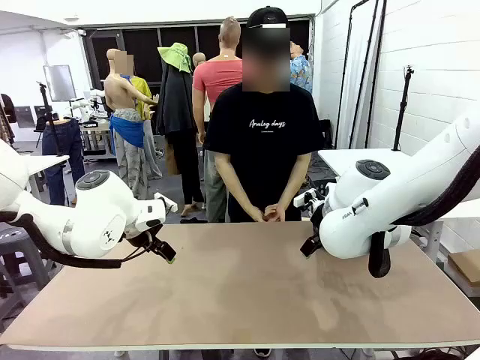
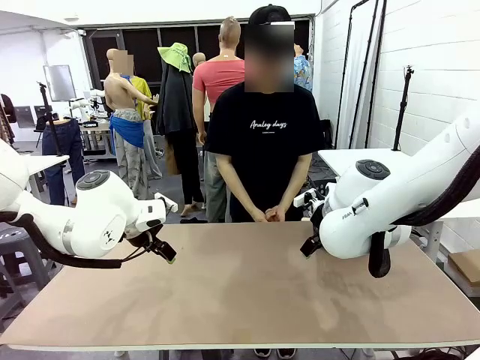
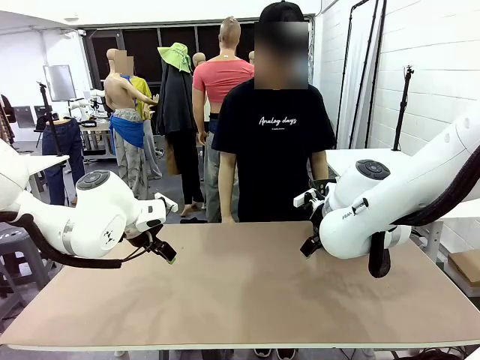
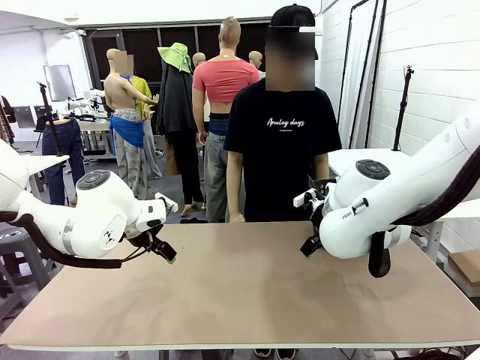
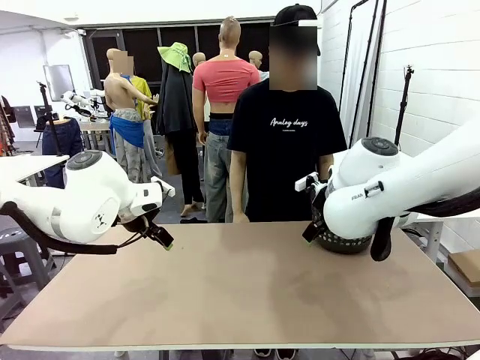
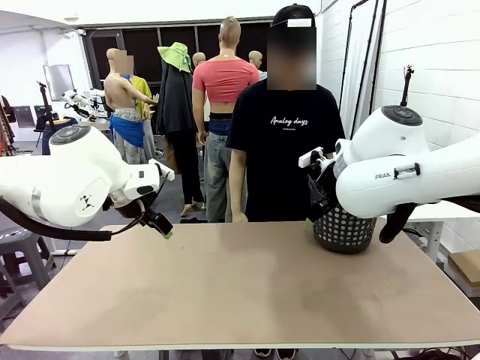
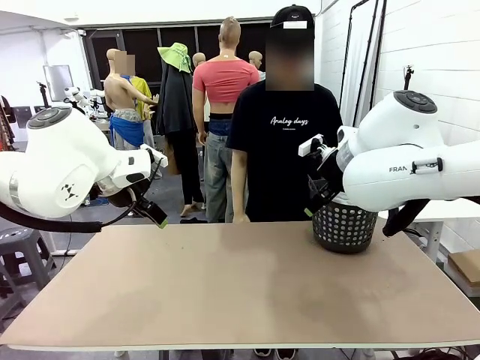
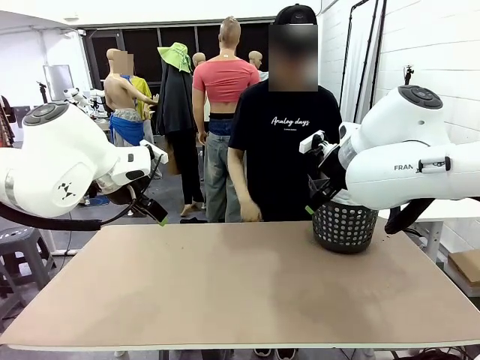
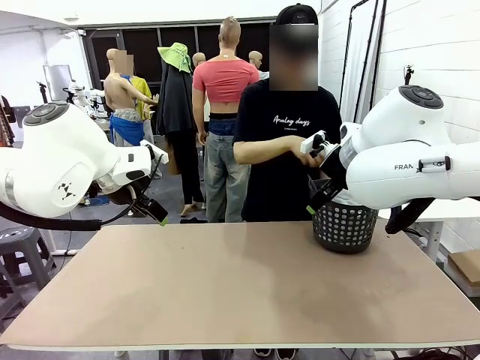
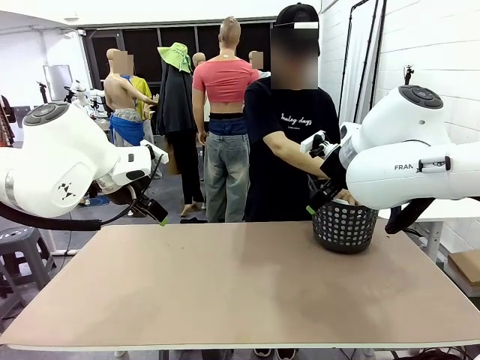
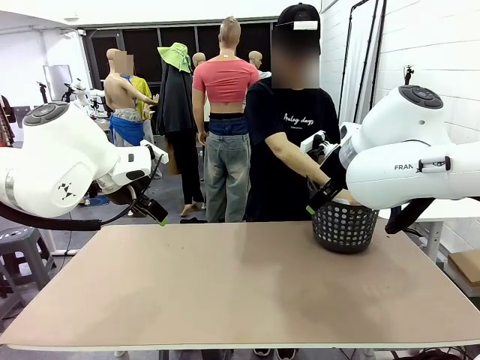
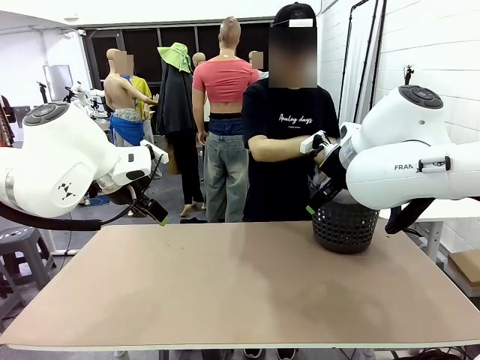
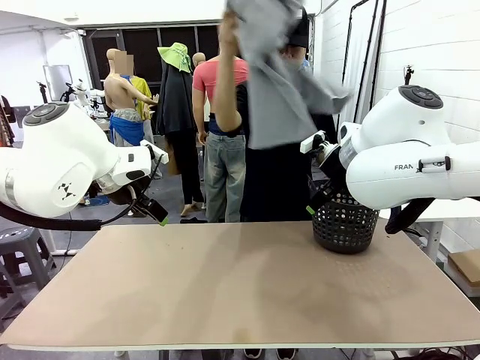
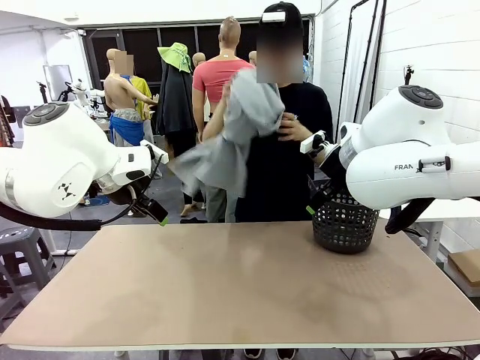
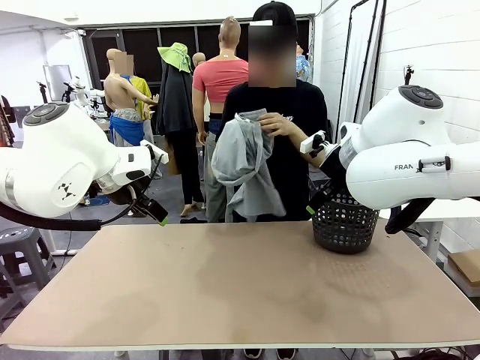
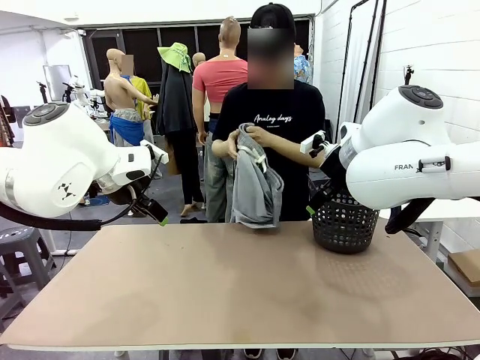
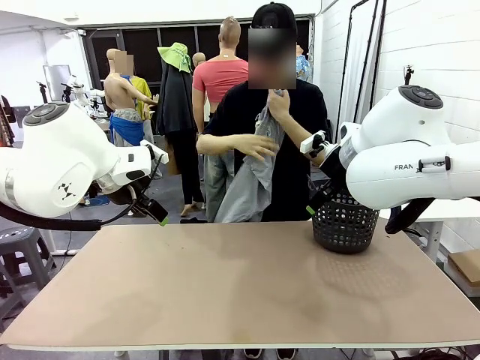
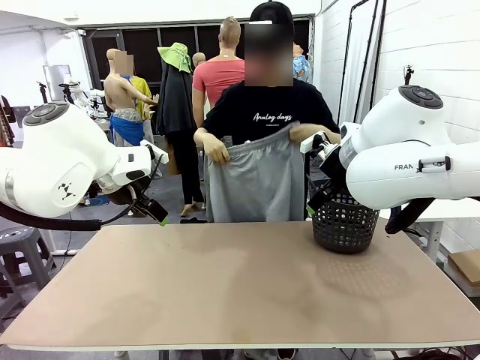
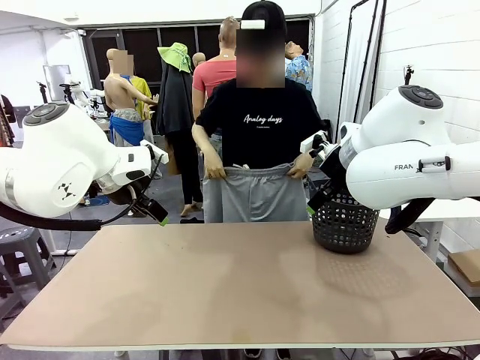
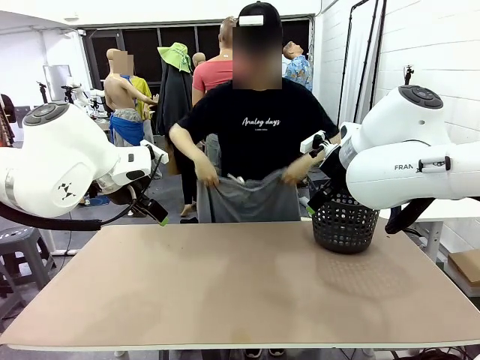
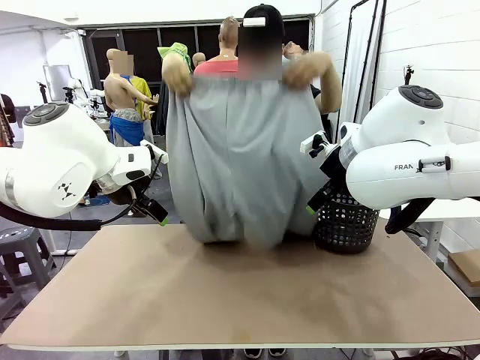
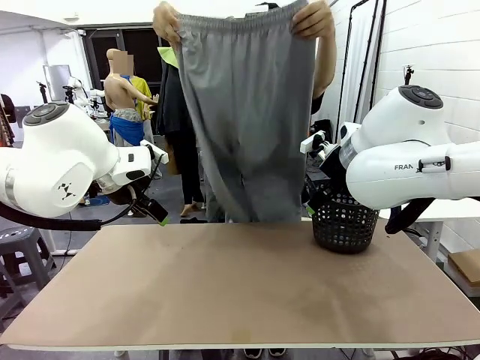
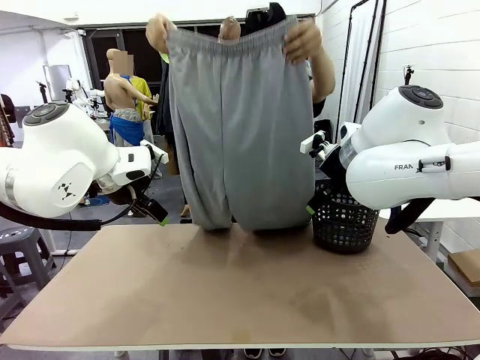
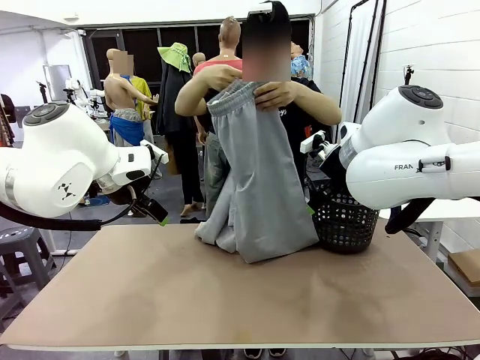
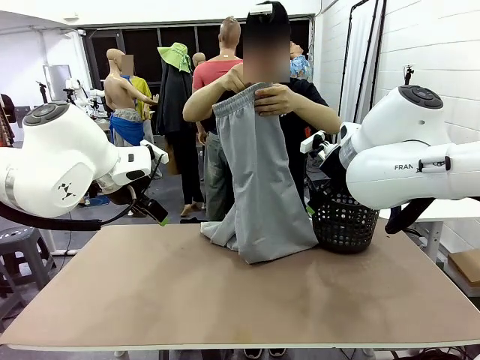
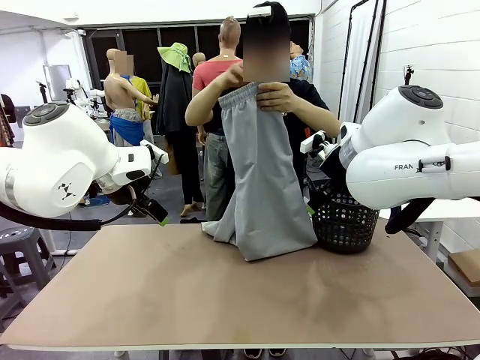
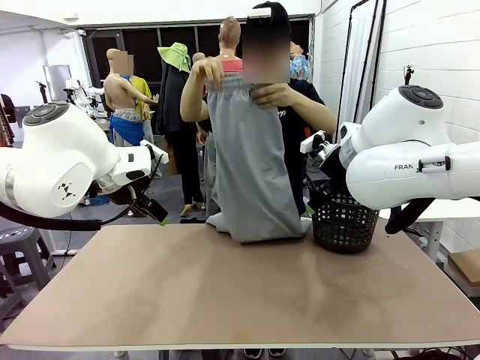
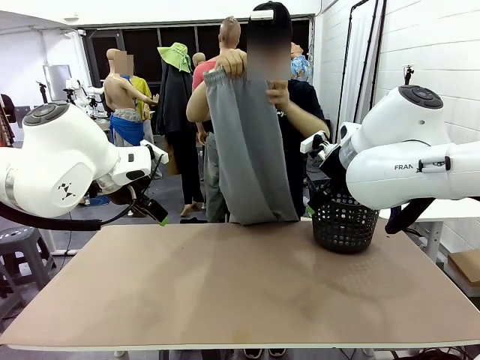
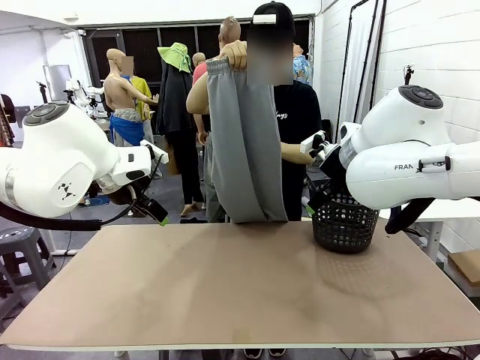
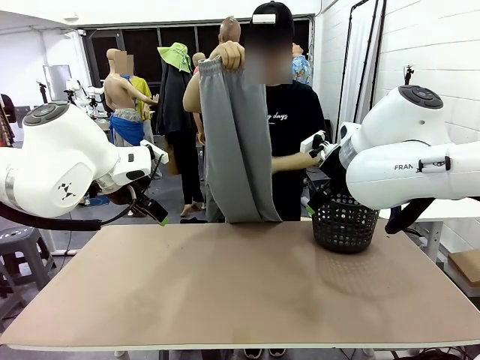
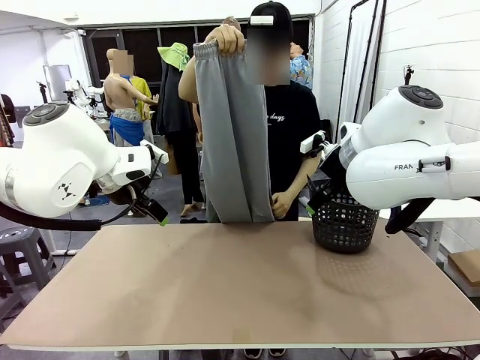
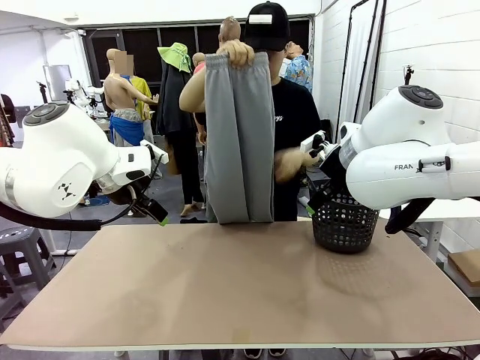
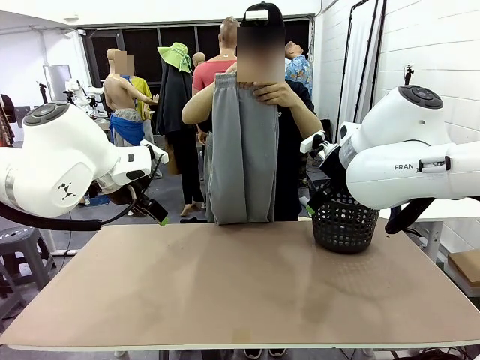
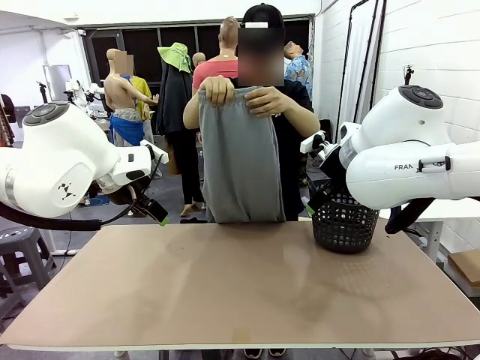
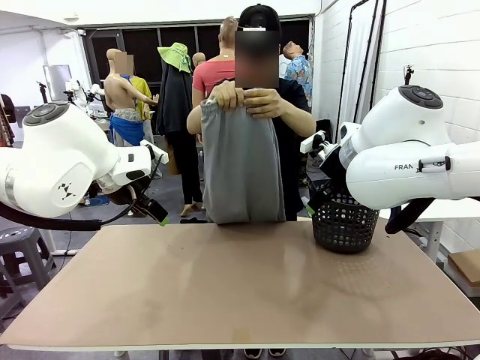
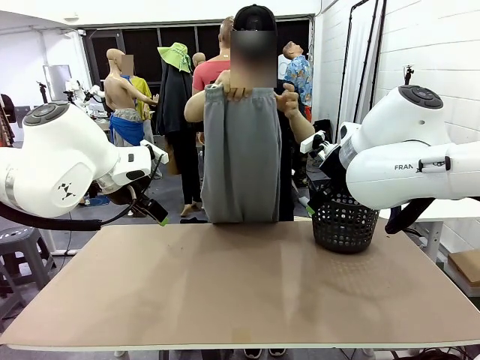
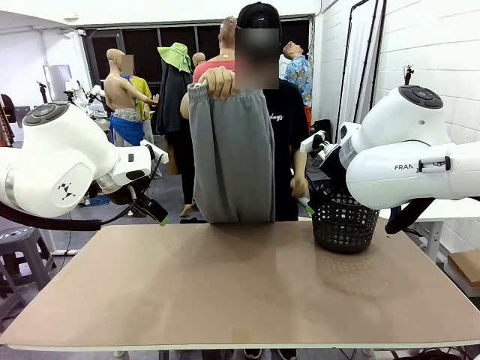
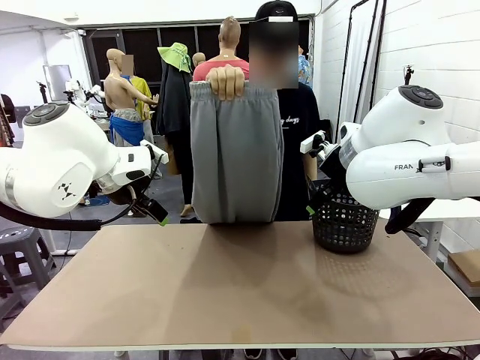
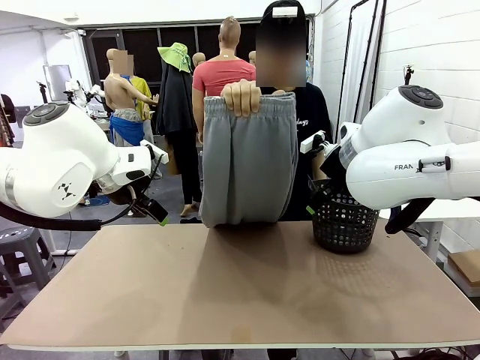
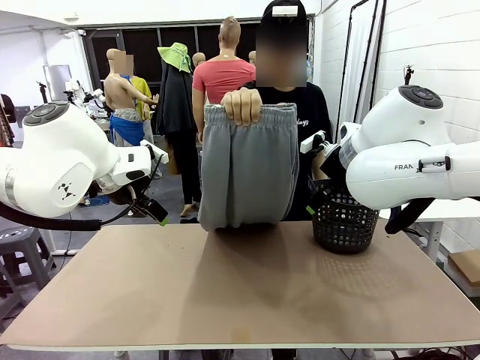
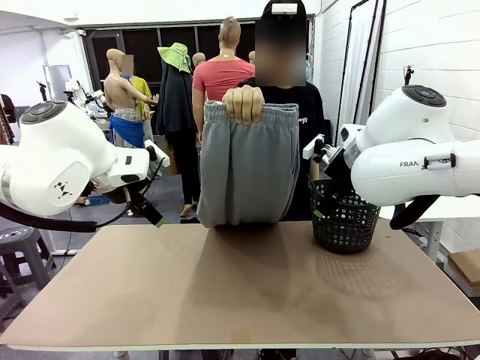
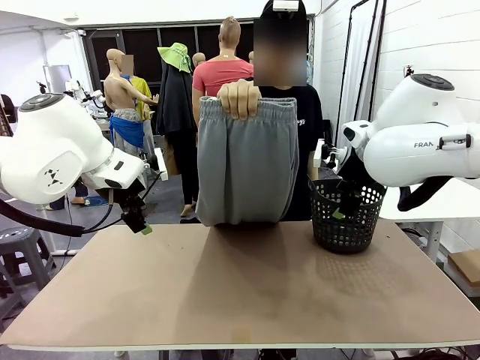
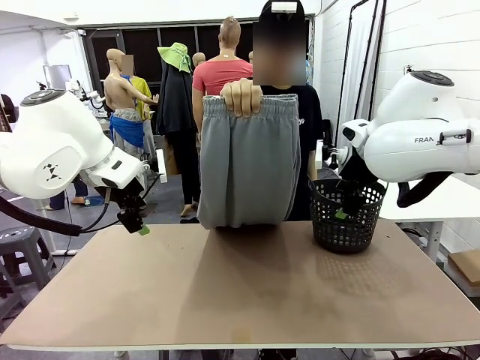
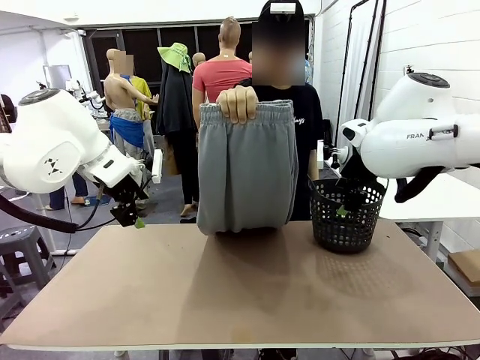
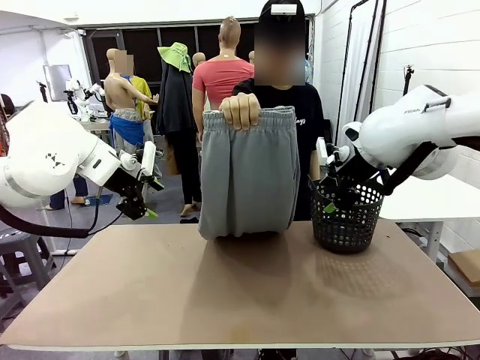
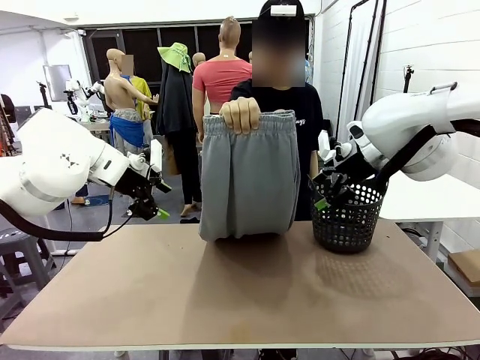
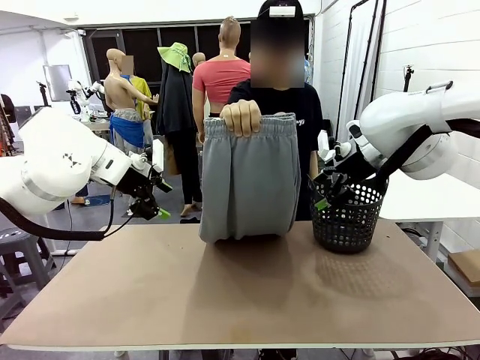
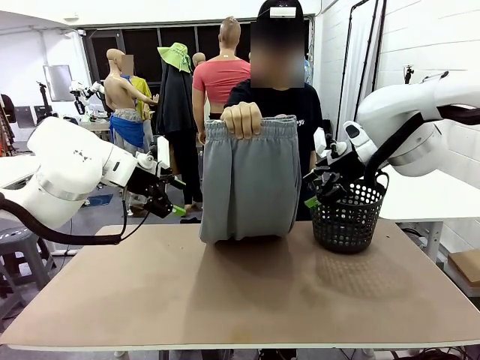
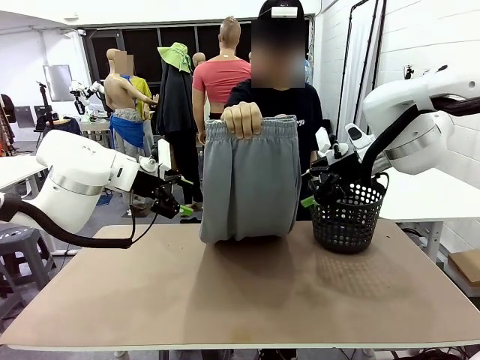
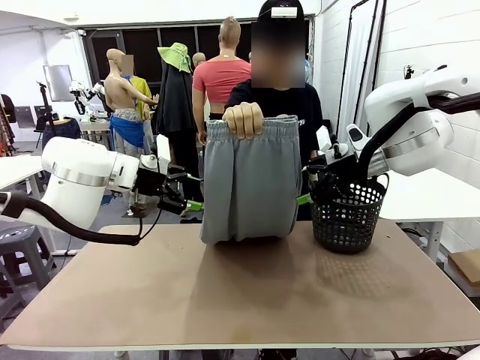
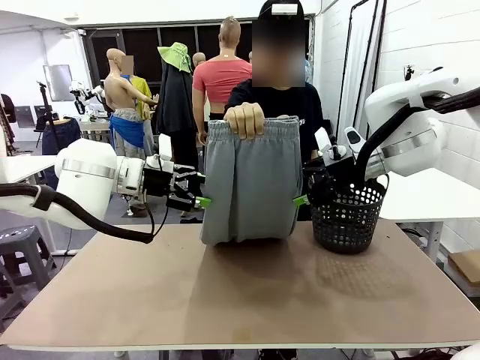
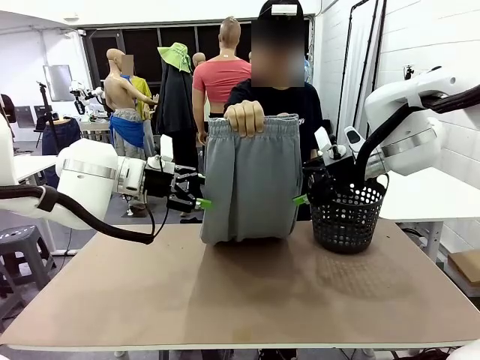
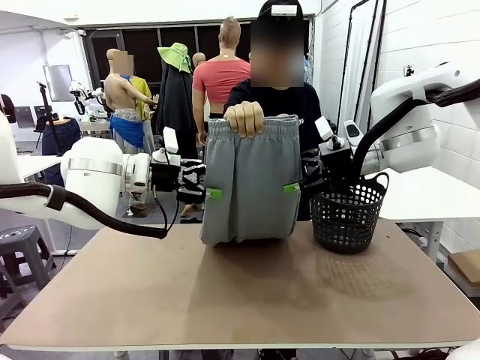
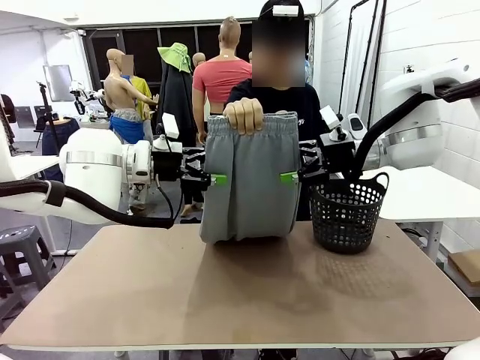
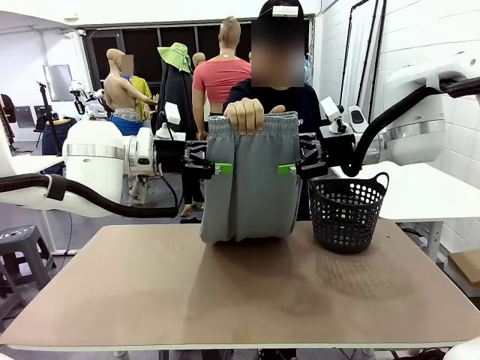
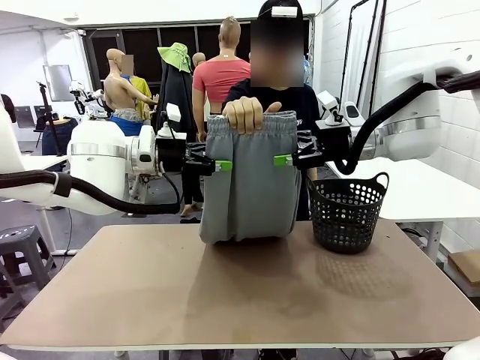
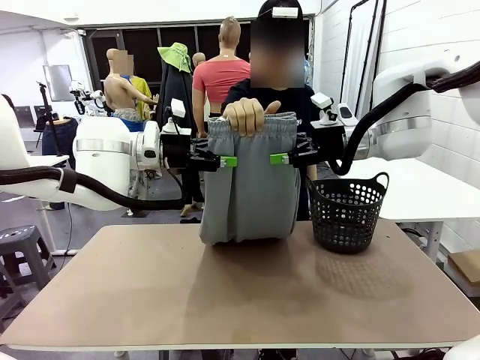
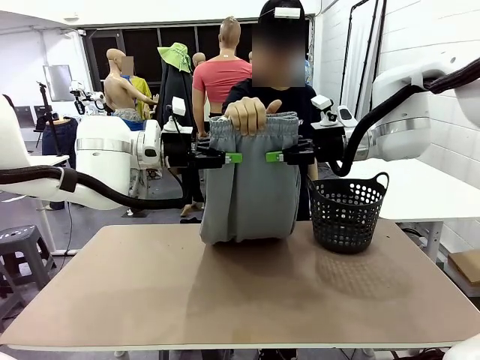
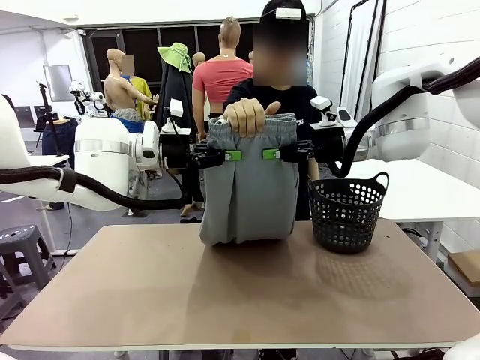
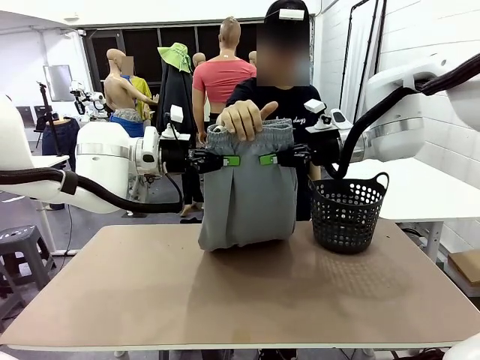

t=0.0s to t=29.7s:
Task: Fold the training pants.
Robot: Grab both ends of the Training pants handed by a person.
Person: Take the long pants out of the laundry basket, unfold them, fold the waist in half, and extend them so the robot can pick up both corners.
